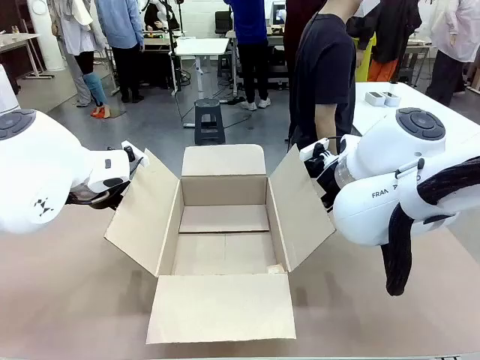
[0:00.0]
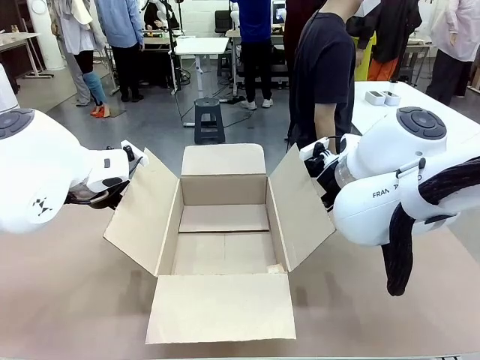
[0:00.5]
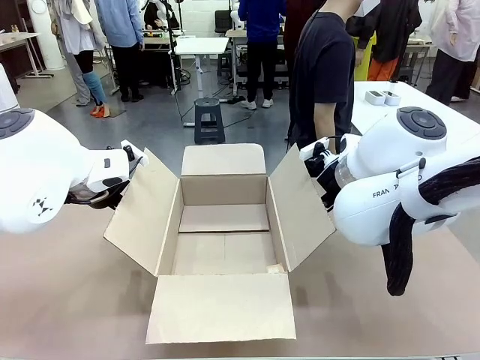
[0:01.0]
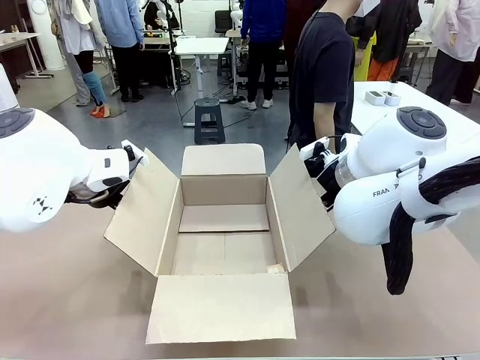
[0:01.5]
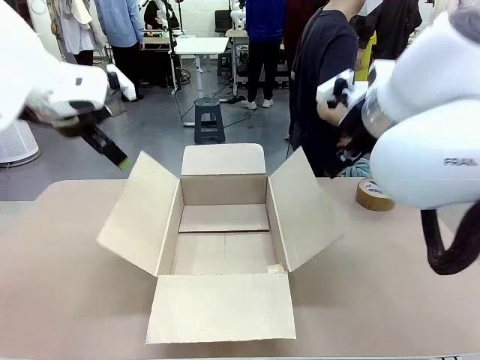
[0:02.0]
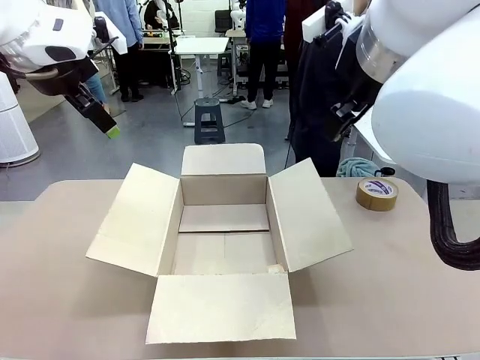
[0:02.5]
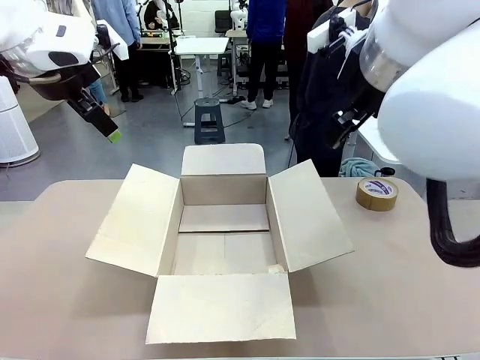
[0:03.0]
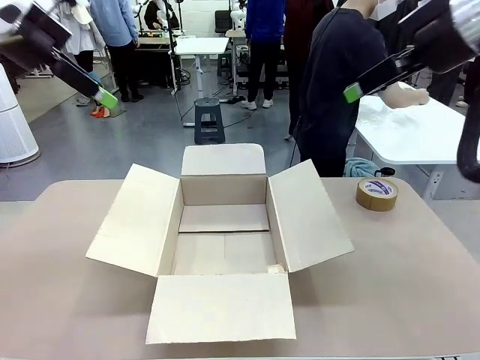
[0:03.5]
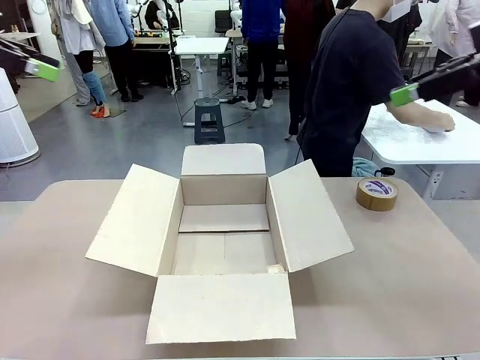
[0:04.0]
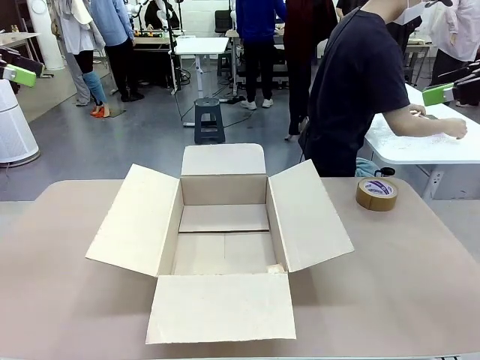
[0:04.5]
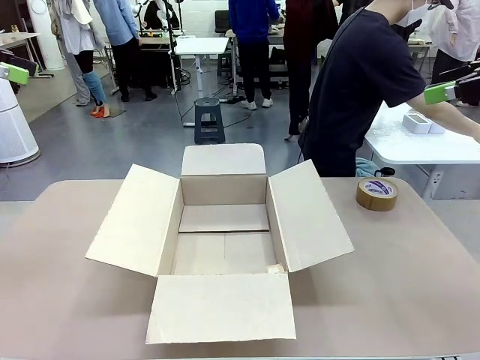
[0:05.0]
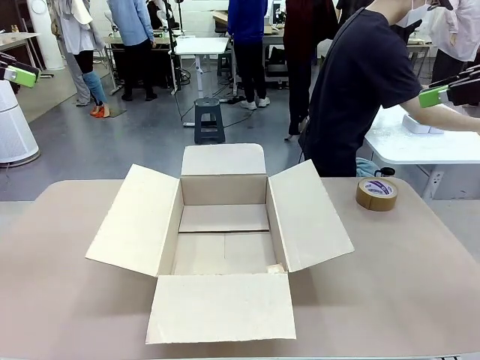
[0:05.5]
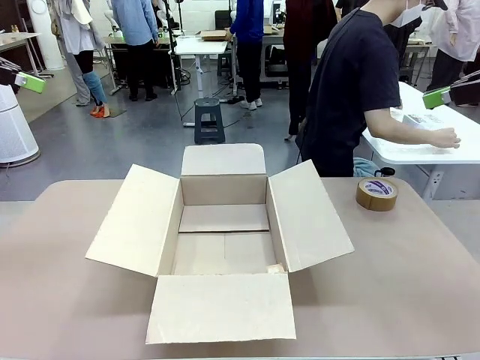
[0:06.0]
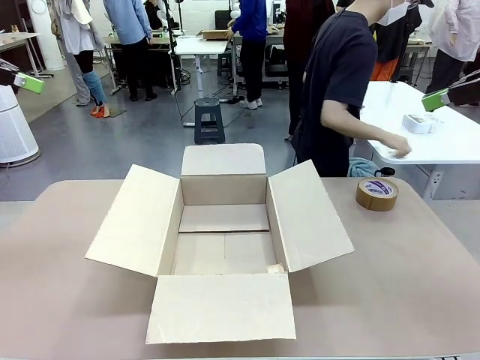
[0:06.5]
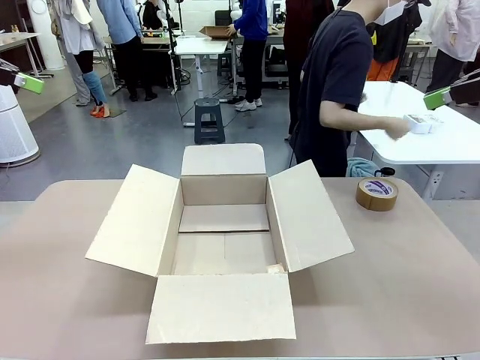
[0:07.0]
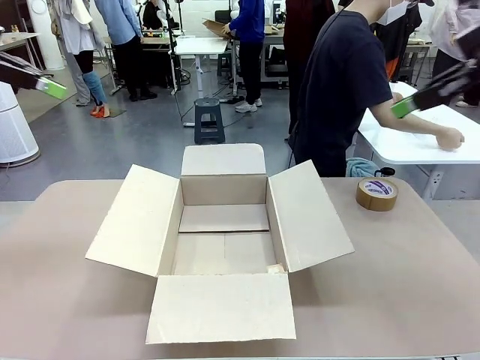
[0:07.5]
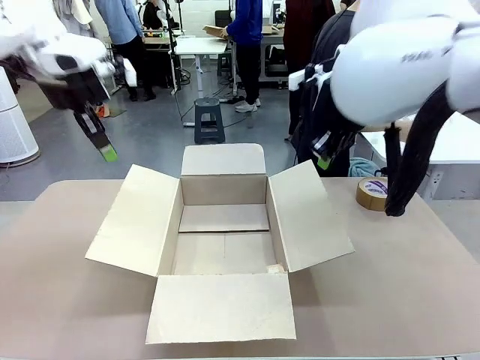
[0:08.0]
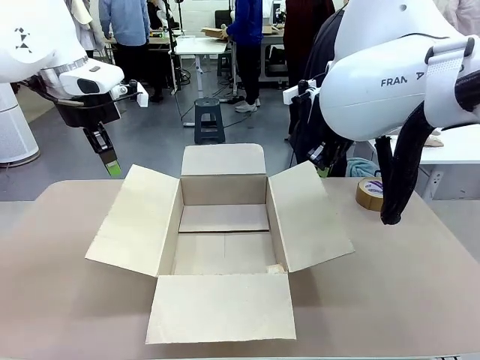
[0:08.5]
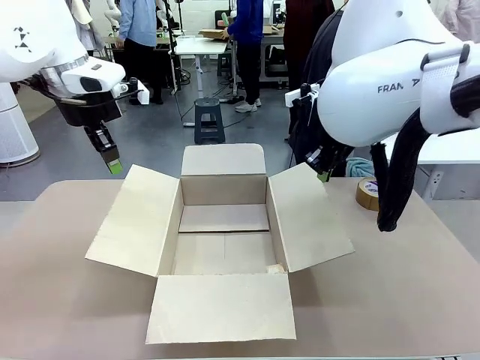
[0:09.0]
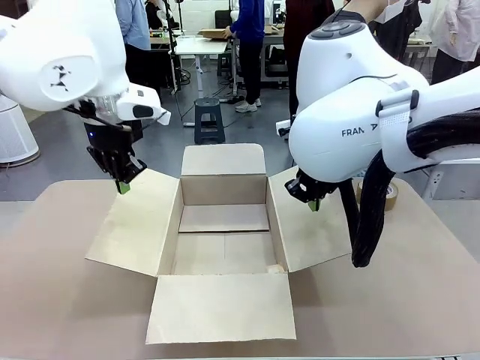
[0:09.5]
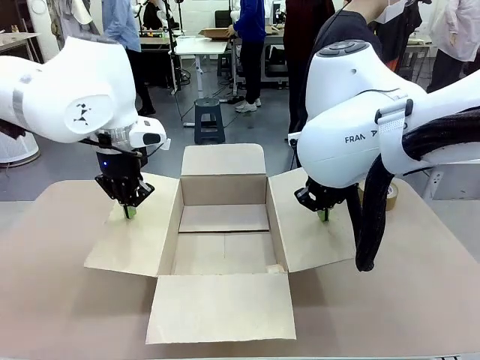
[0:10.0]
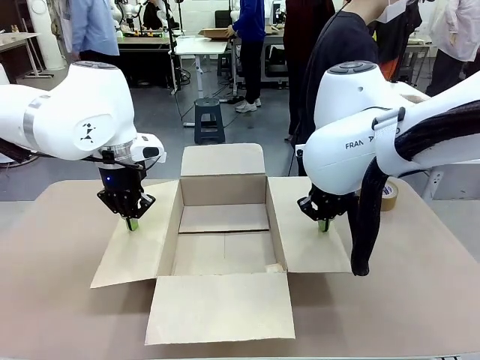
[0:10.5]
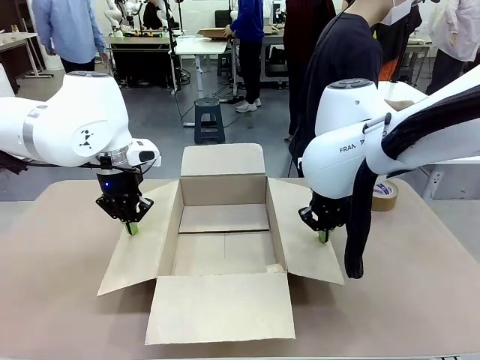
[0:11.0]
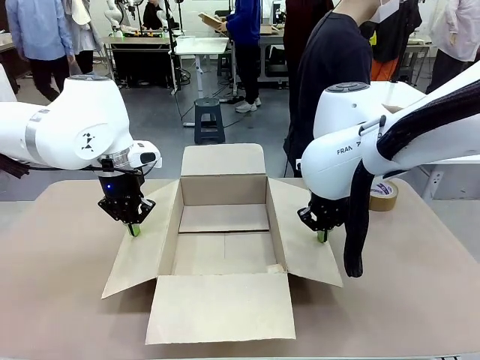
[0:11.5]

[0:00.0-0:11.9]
Task: Wrap the clocks to prevent damage.
Robot: Open the side flaps of the Package Box.
Person: Wrap the two Digital clocks with Bubble Wrap.

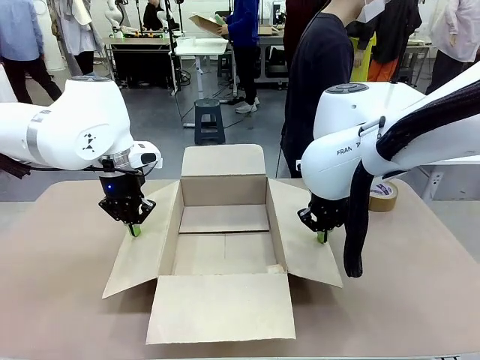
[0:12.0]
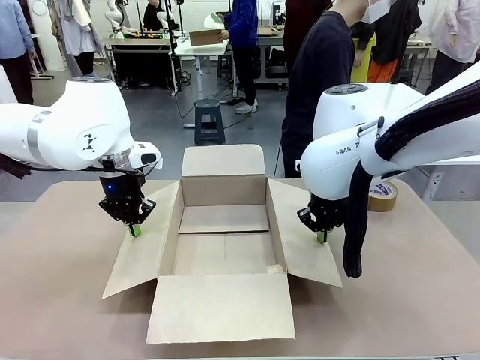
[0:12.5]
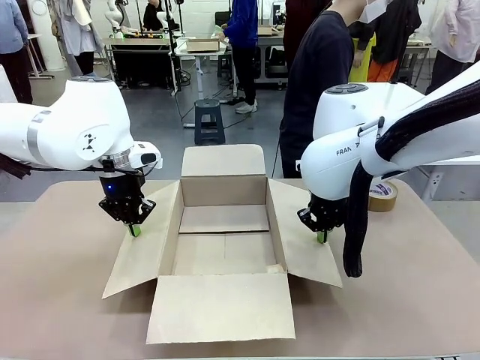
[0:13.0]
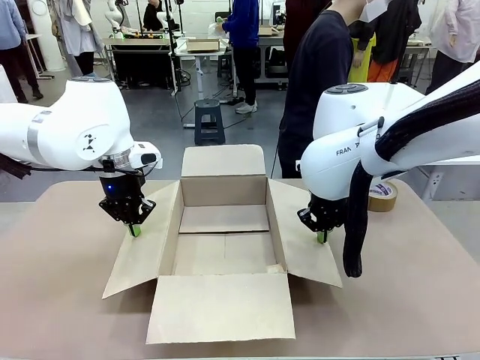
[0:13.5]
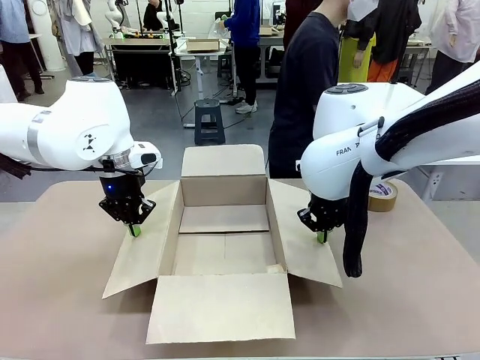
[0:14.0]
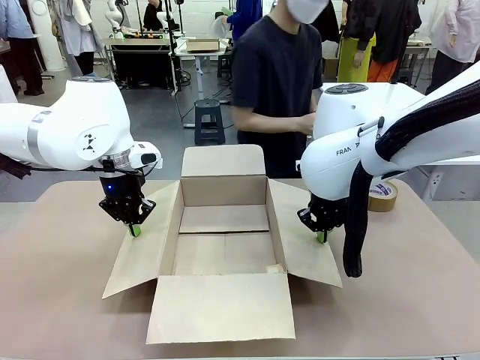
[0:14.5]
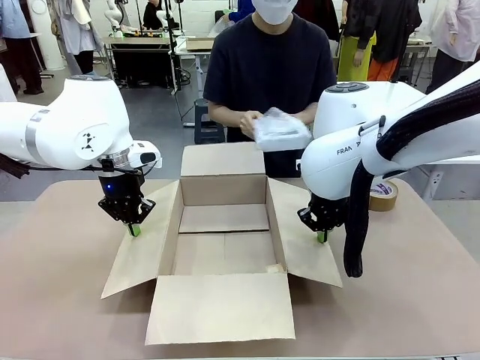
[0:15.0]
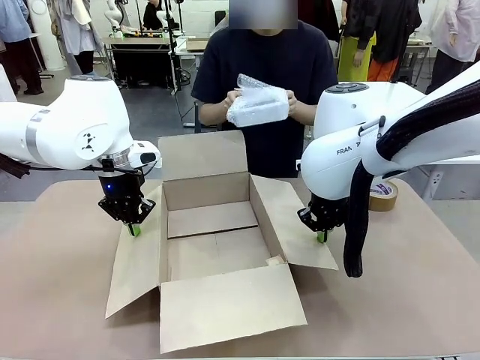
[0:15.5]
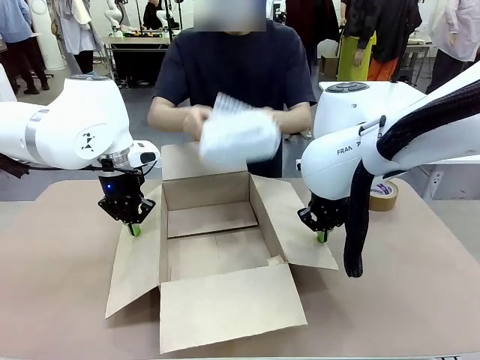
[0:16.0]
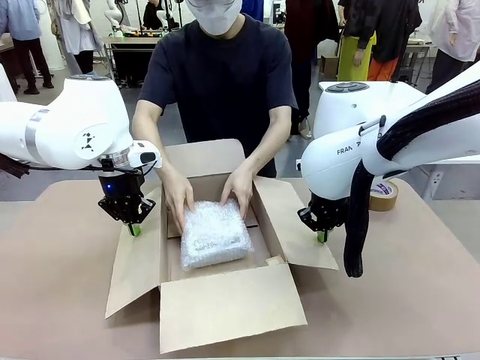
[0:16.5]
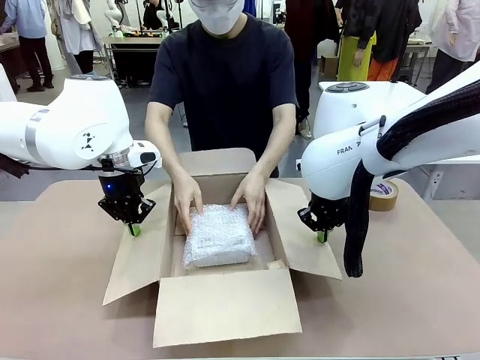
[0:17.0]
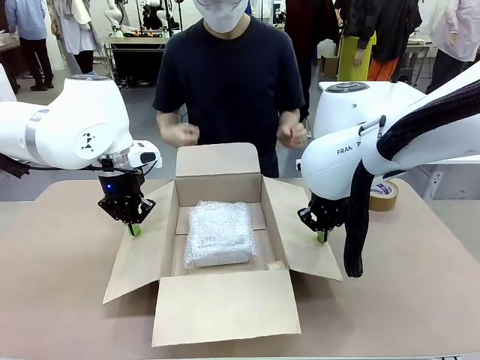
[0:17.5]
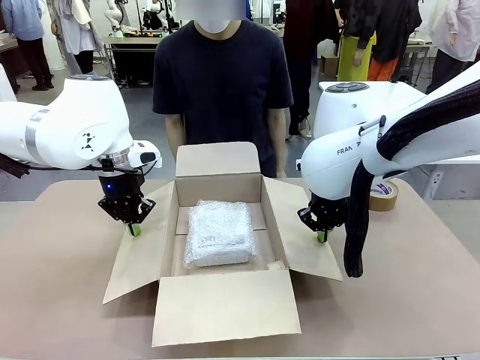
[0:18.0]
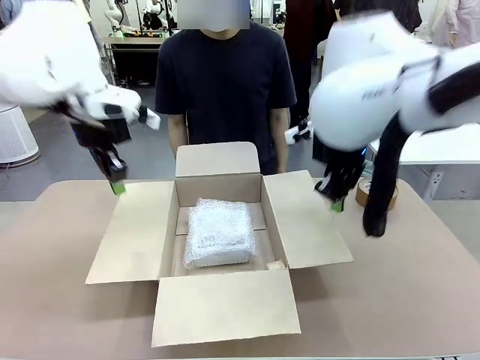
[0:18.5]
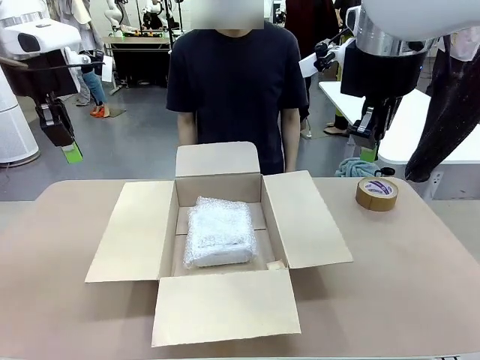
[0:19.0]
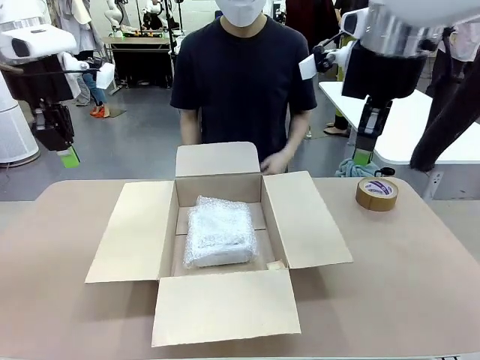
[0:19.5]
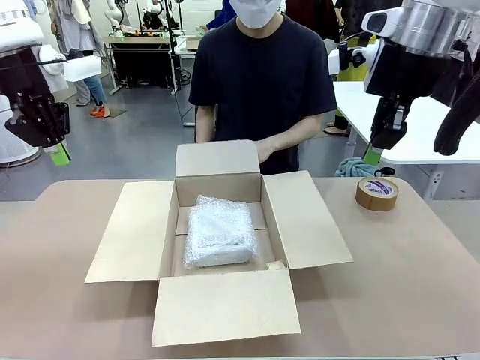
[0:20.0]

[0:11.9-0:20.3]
Robot: Once the human has placed the objects inside and stepped back, release both hands from the side flaps of the Package Box.
Person: Place the wrapped Digital clocks inside the Package Box.

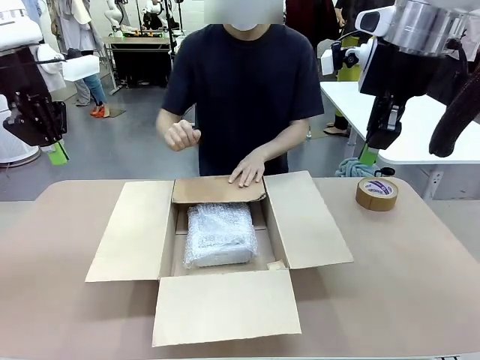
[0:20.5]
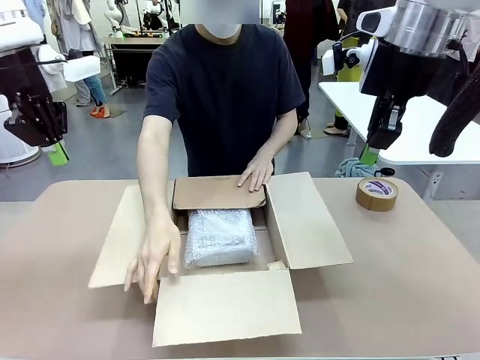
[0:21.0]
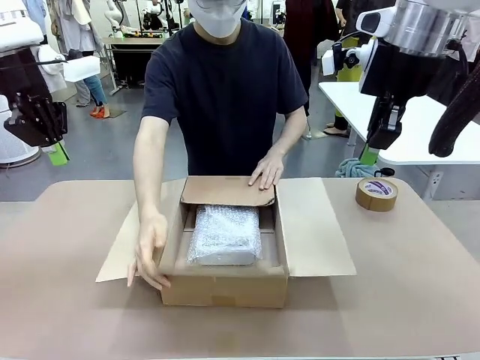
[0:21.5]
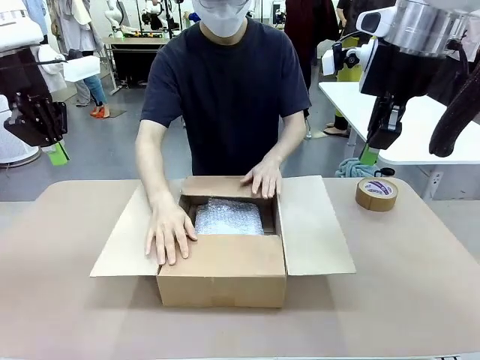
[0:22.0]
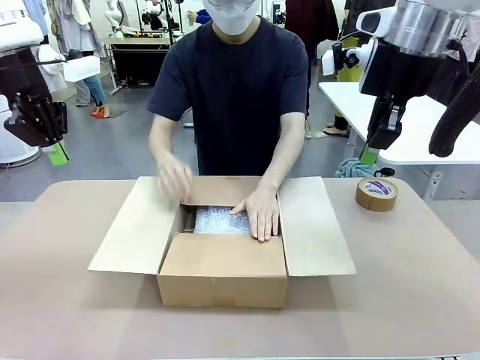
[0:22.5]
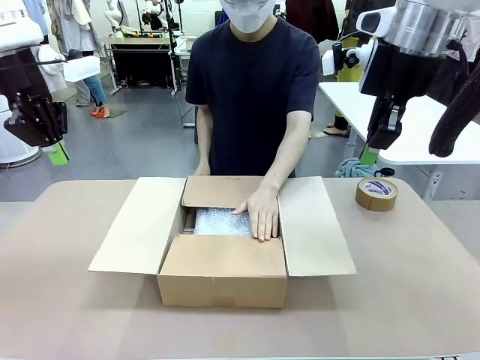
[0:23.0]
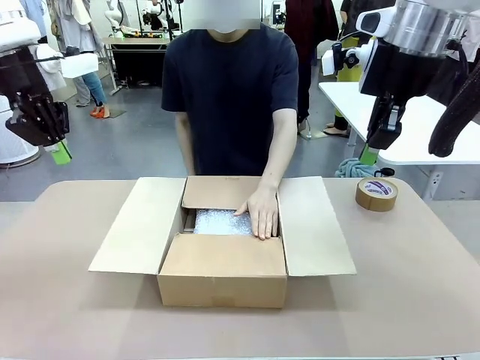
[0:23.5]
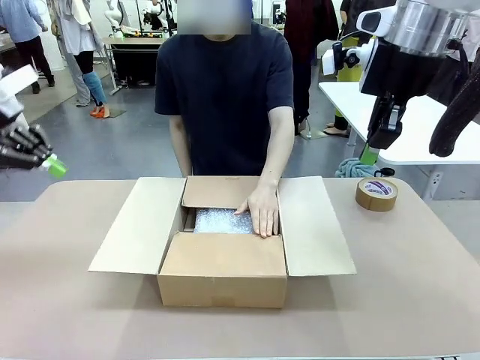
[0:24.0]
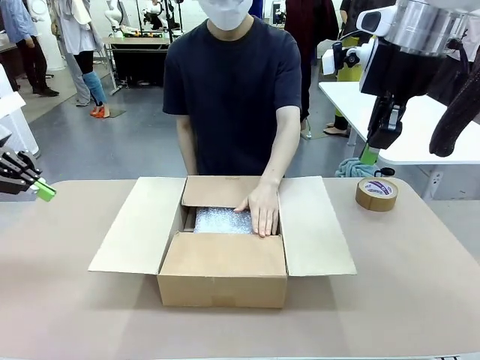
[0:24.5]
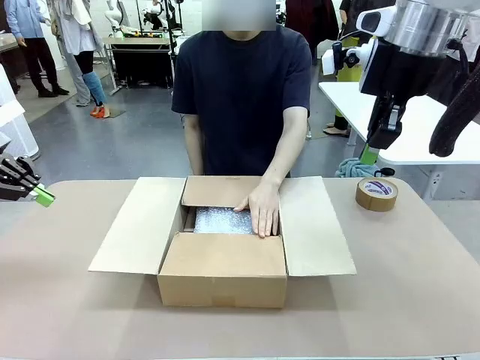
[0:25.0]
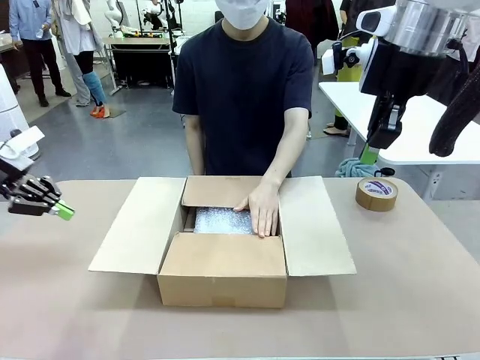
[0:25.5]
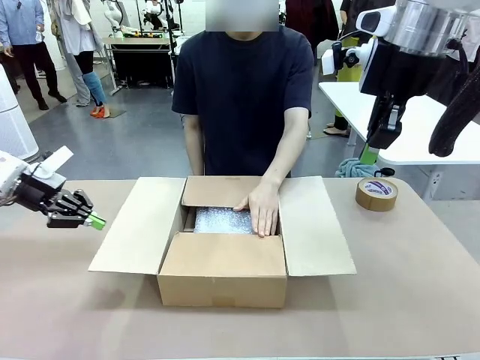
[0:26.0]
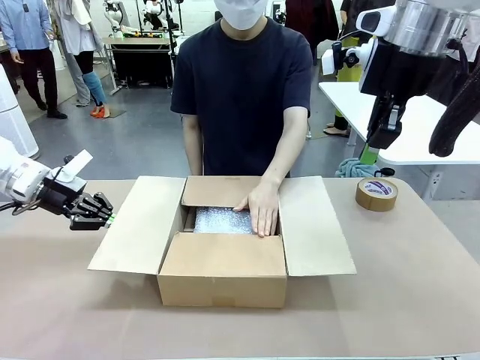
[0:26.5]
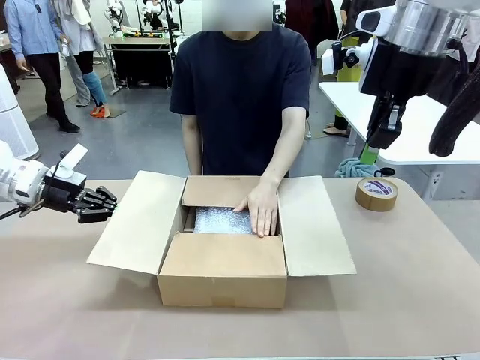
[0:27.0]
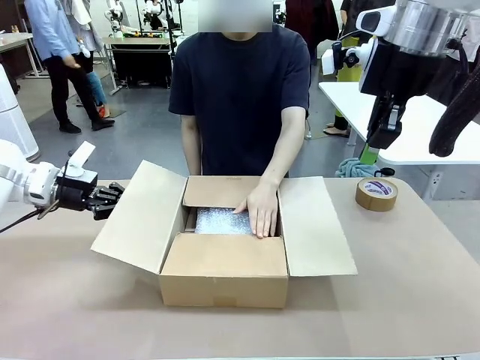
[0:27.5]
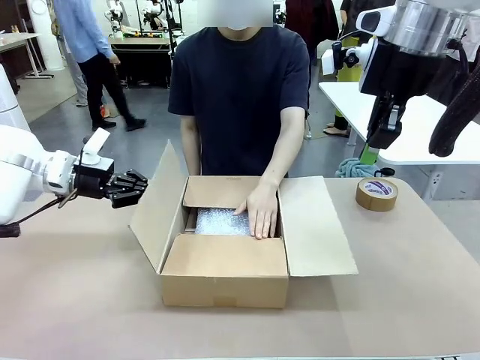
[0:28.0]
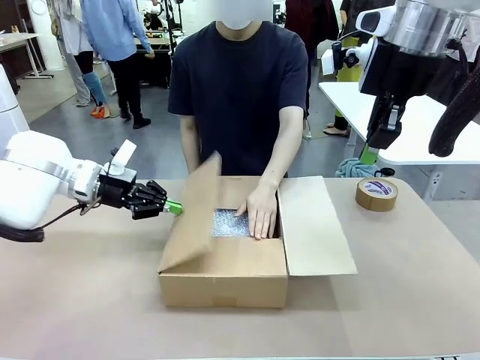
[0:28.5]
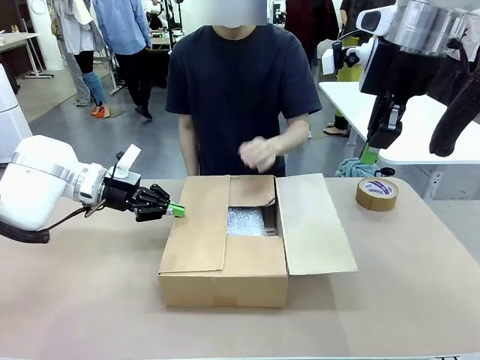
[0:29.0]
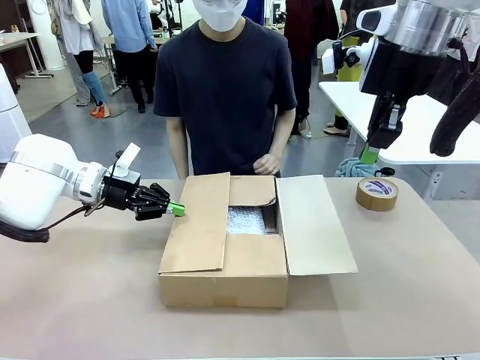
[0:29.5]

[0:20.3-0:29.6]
Robot: Push the right (or left) flap of the Package Box to close it.
Person: Hold the top and bottom flaps of the Package Box closed with your left (or right) hand. Once the robot closes the right flap of the Package Box , release your left hand from the box.
